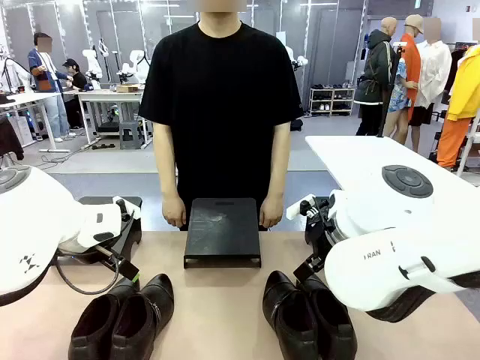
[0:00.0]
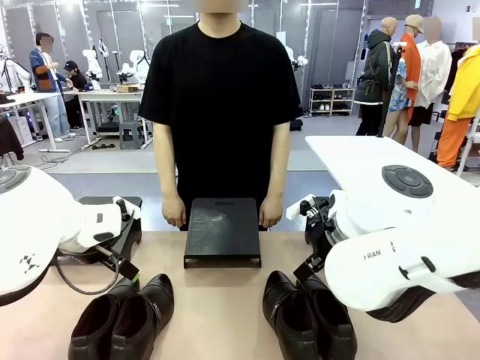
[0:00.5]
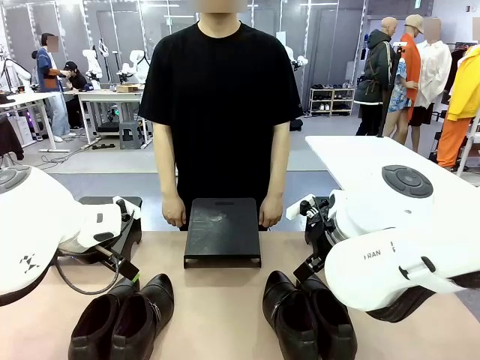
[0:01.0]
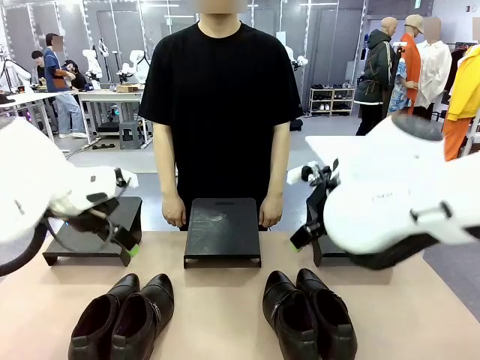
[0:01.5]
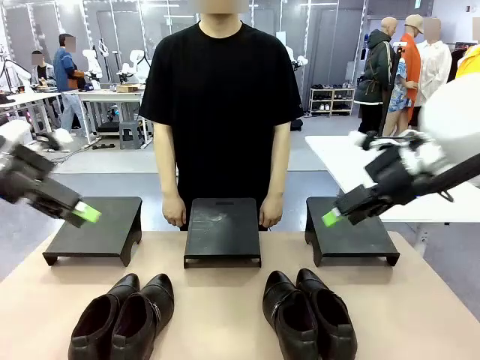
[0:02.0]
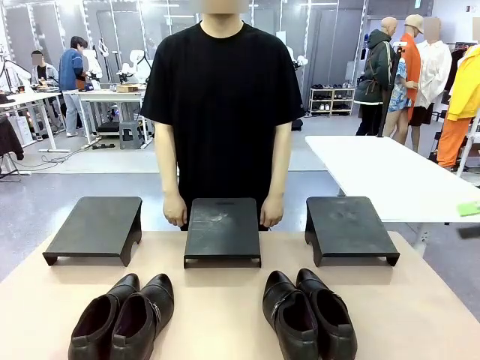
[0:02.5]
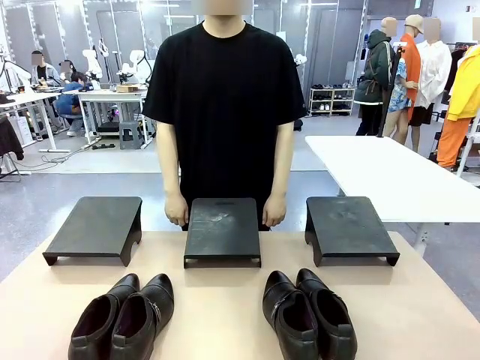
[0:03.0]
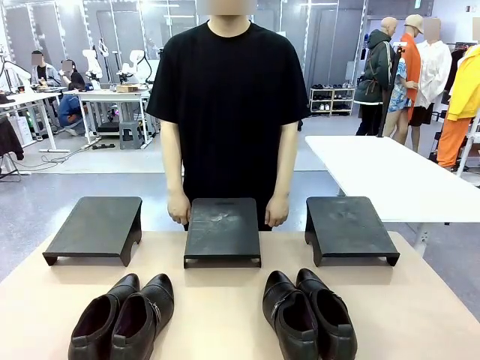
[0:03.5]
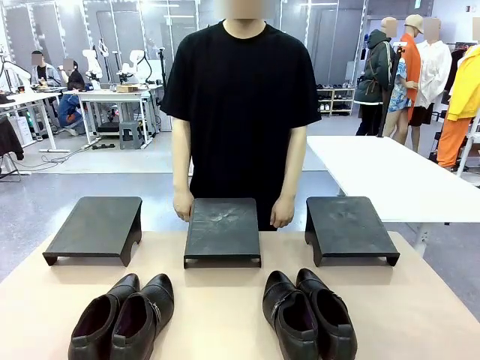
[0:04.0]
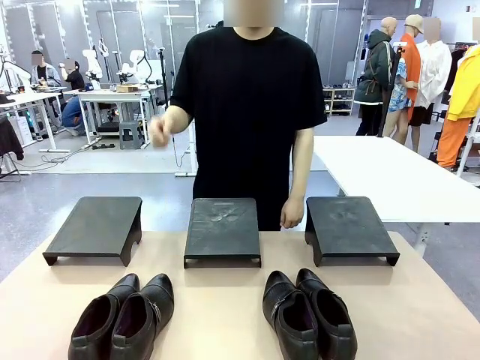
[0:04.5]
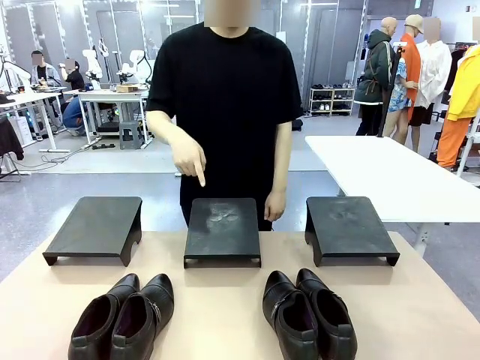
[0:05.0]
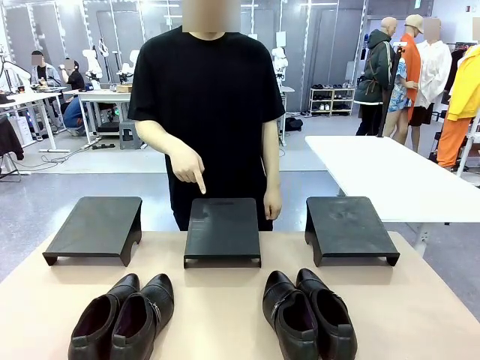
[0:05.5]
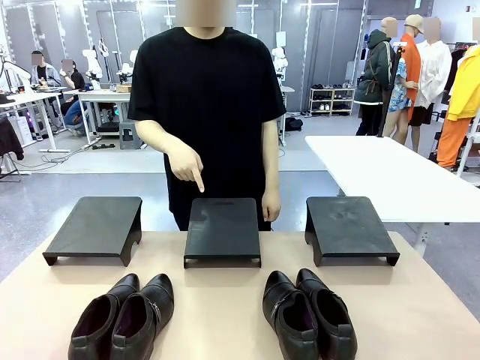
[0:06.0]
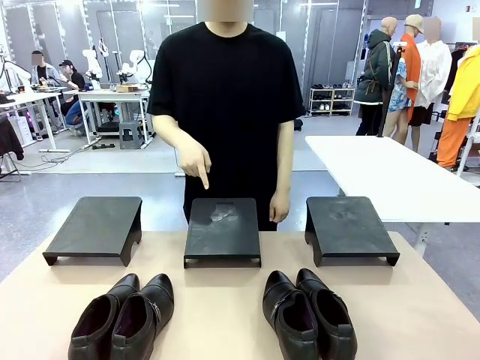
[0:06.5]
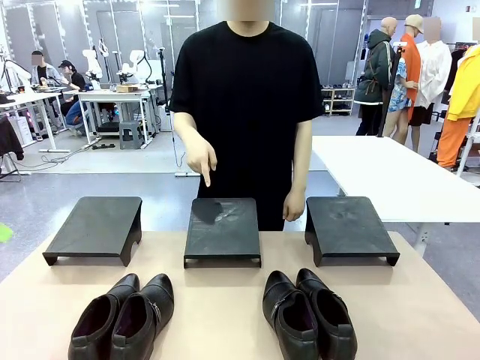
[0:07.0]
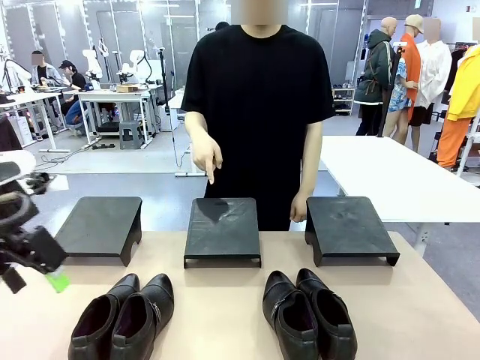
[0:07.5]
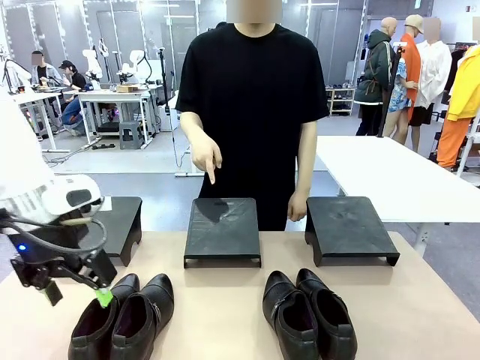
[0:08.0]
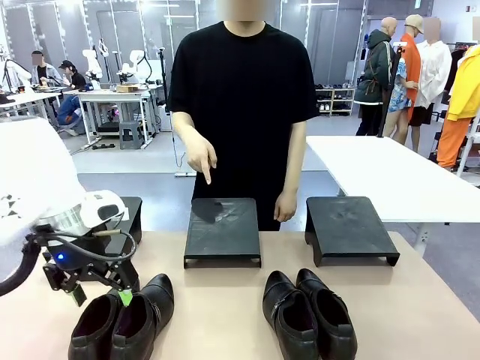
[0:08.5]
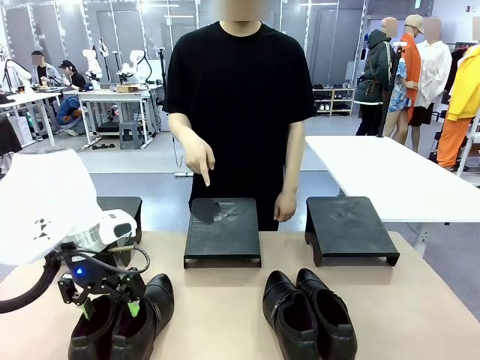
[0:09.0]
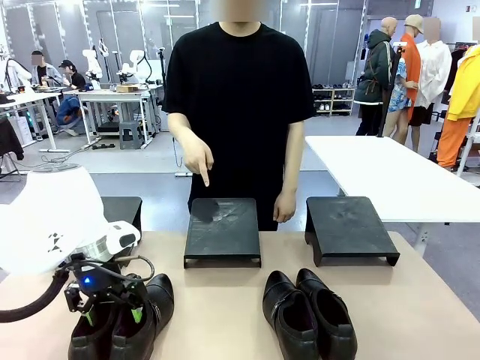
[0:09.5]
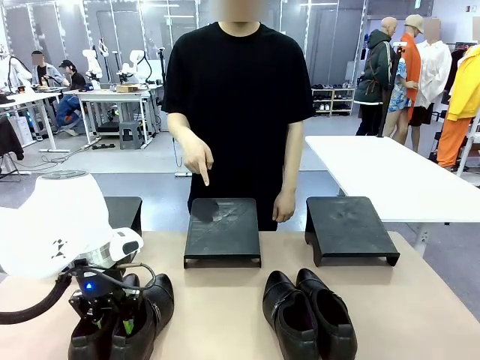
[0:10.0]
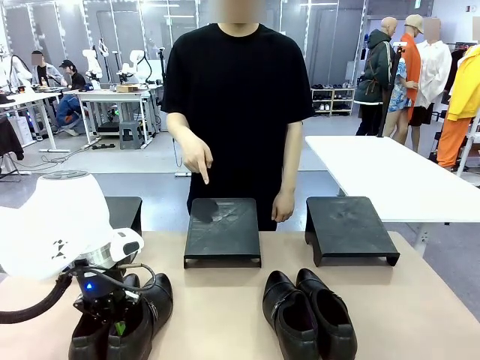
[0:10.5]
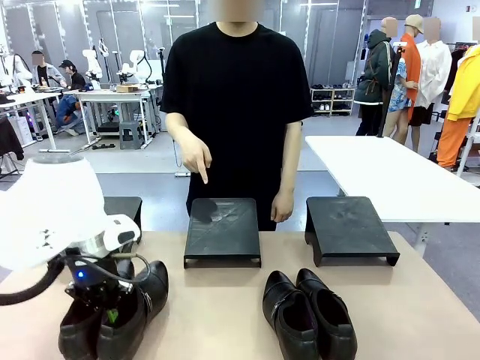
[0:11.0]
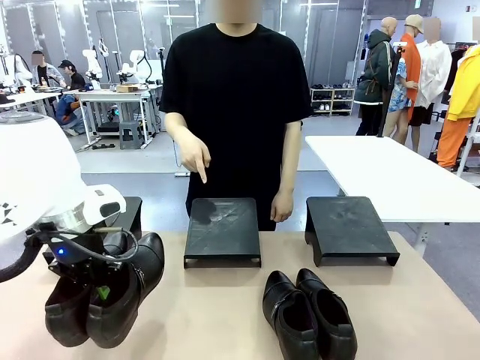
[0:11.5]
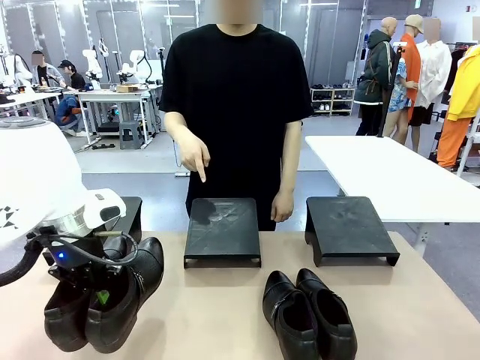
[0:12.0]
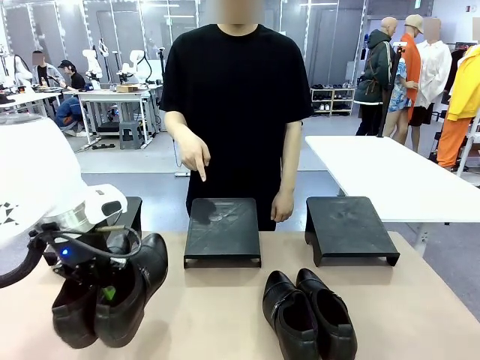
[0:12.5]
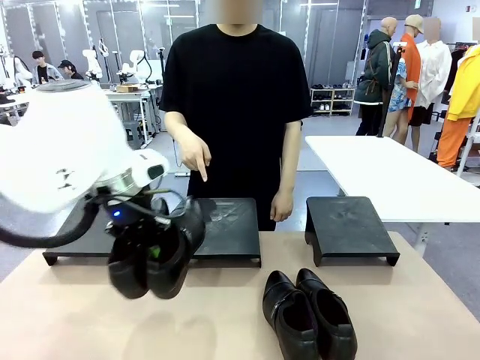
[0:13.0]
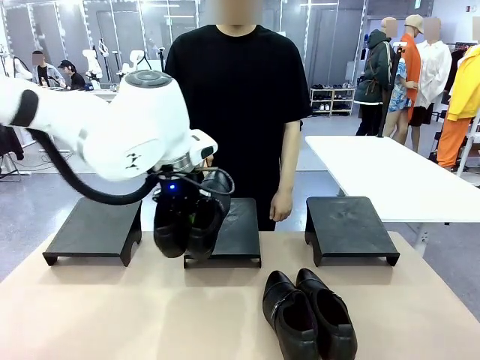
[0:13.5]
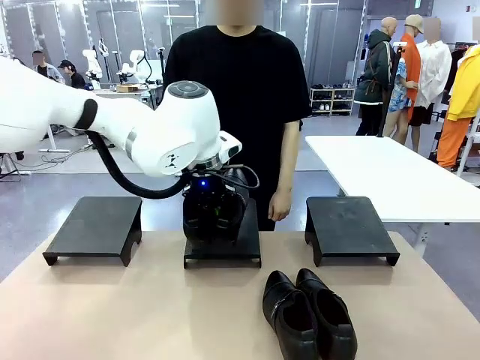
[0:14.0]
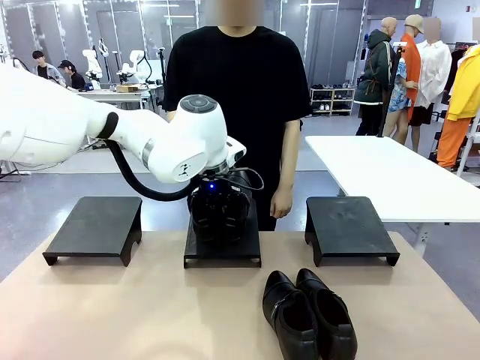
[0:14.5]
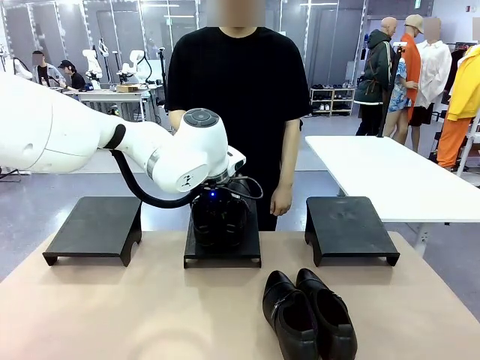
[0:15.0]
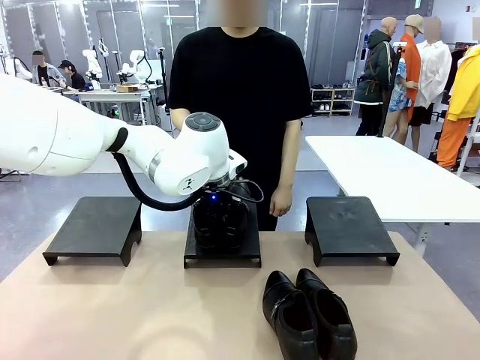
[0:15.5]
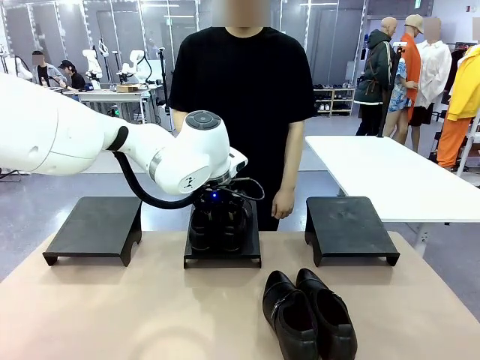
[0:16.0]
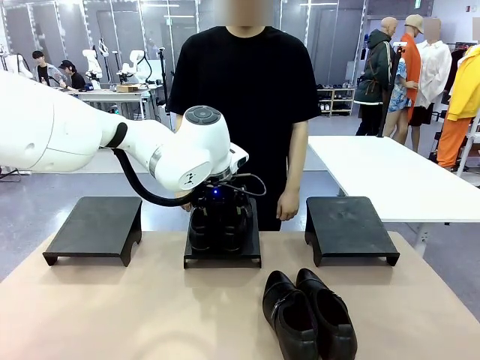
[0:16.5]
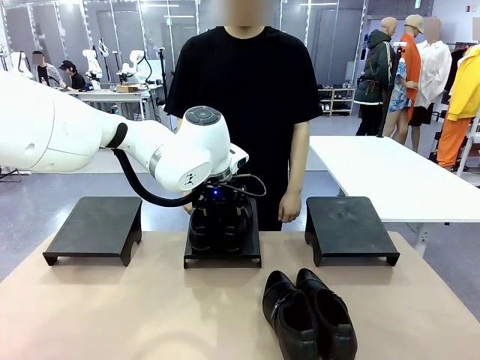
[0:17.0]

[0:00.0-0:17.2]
Task: Place the shoes on the stand as instructed by the person.
Robot: Pick up one pair of Shoes and place it on the Shoes Stand indicated by the person.
